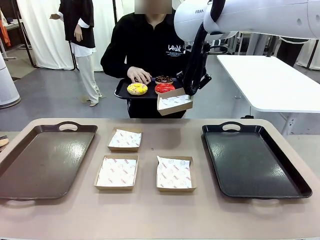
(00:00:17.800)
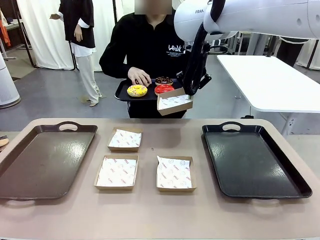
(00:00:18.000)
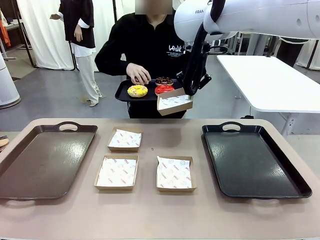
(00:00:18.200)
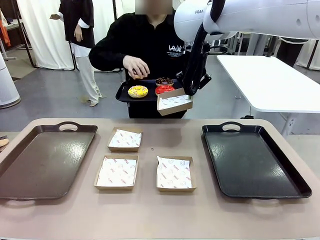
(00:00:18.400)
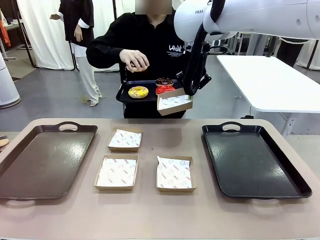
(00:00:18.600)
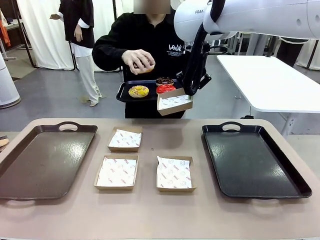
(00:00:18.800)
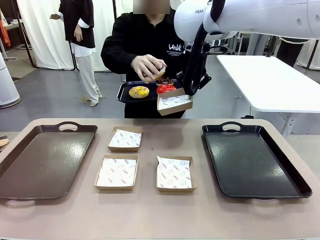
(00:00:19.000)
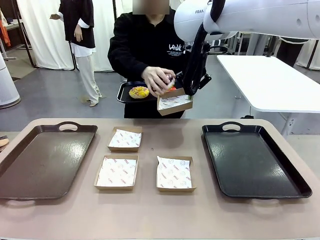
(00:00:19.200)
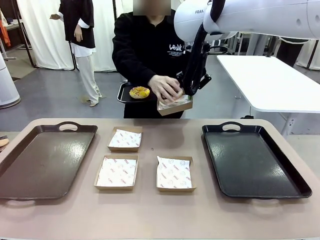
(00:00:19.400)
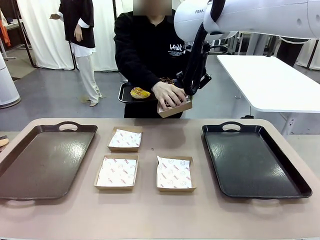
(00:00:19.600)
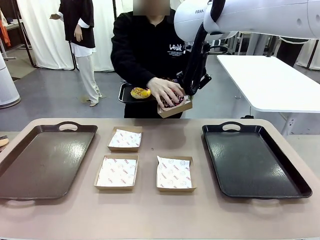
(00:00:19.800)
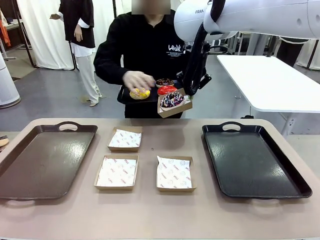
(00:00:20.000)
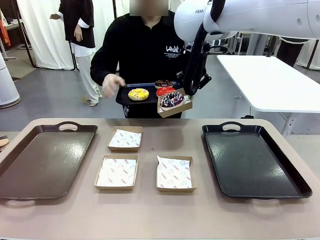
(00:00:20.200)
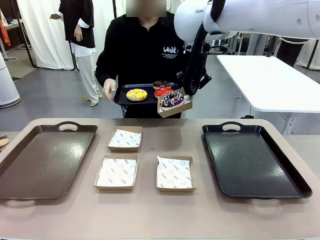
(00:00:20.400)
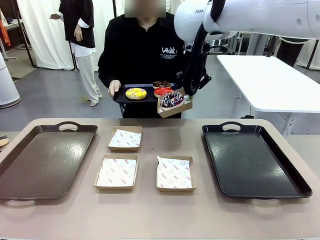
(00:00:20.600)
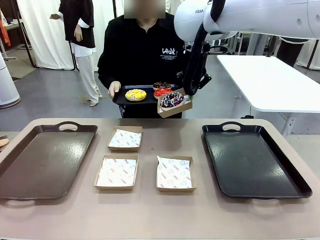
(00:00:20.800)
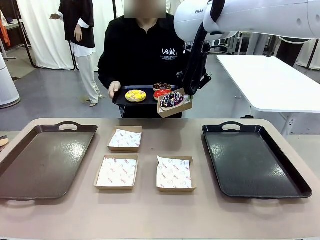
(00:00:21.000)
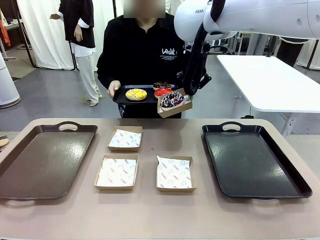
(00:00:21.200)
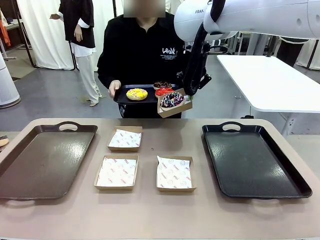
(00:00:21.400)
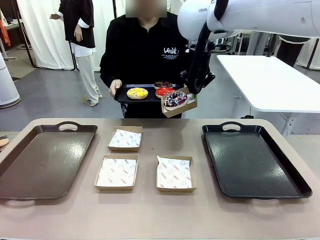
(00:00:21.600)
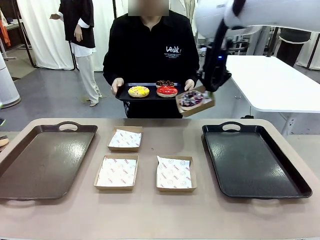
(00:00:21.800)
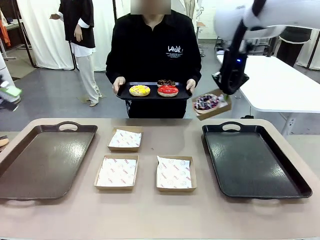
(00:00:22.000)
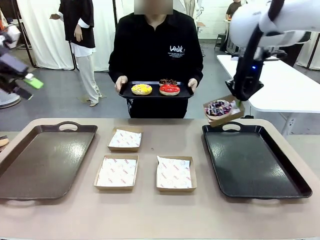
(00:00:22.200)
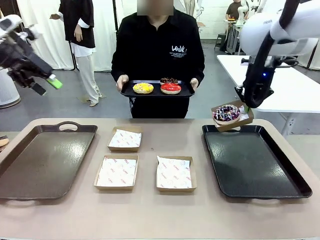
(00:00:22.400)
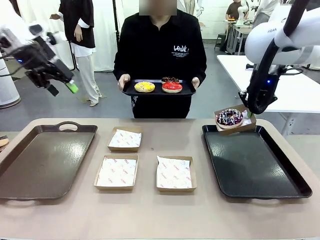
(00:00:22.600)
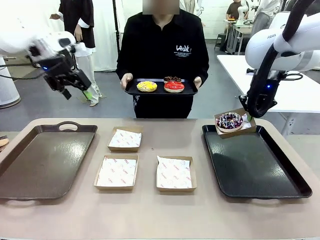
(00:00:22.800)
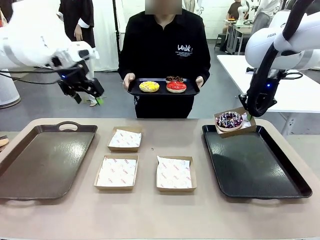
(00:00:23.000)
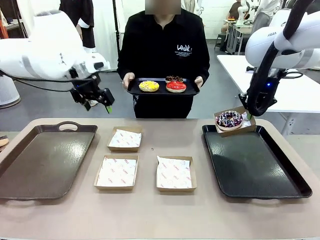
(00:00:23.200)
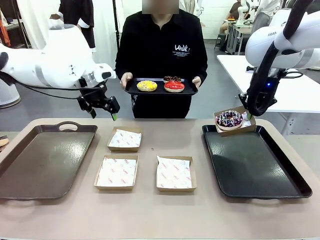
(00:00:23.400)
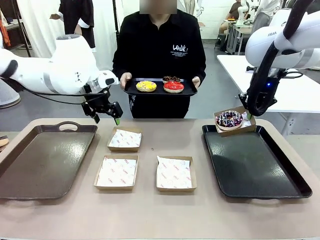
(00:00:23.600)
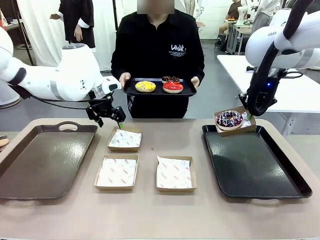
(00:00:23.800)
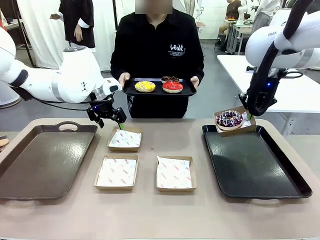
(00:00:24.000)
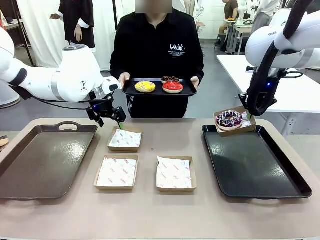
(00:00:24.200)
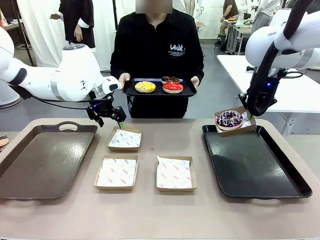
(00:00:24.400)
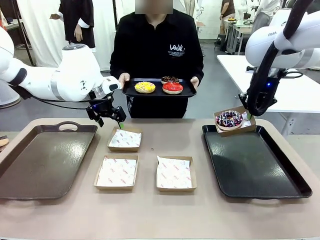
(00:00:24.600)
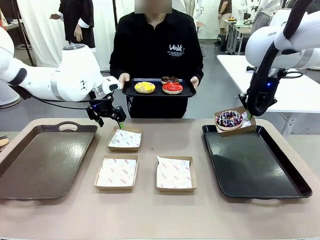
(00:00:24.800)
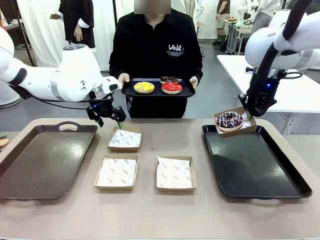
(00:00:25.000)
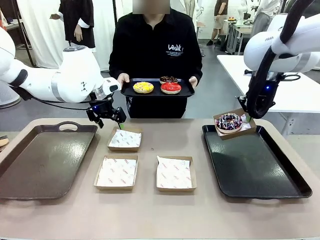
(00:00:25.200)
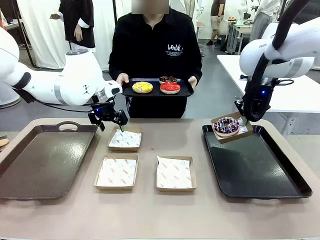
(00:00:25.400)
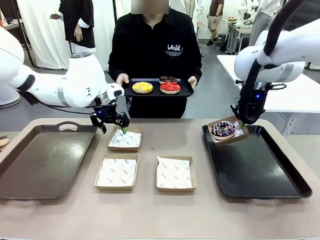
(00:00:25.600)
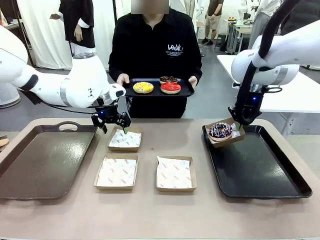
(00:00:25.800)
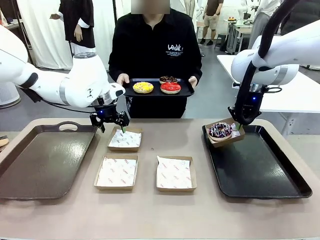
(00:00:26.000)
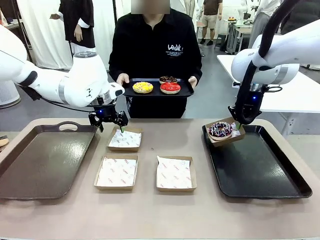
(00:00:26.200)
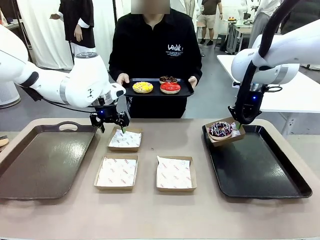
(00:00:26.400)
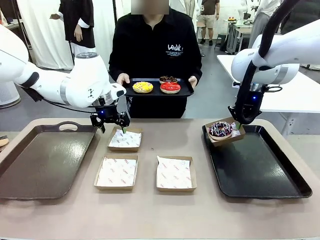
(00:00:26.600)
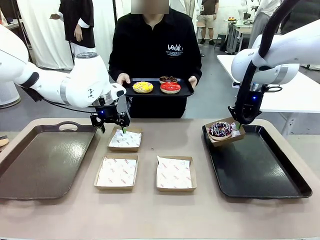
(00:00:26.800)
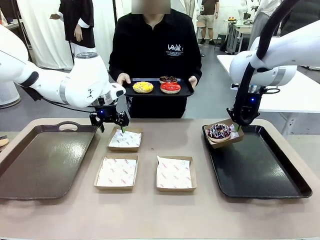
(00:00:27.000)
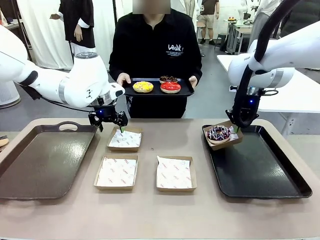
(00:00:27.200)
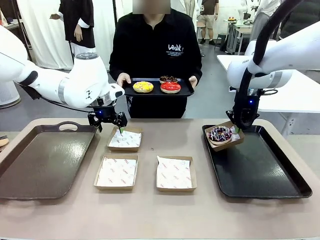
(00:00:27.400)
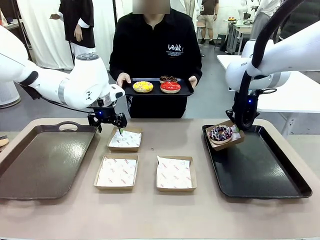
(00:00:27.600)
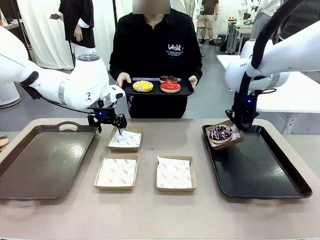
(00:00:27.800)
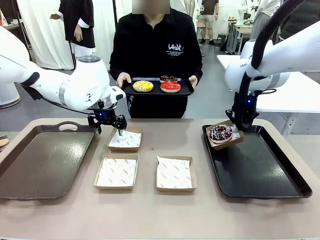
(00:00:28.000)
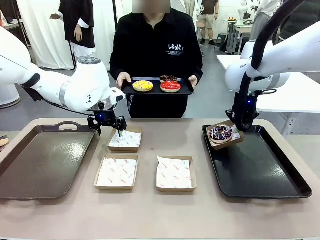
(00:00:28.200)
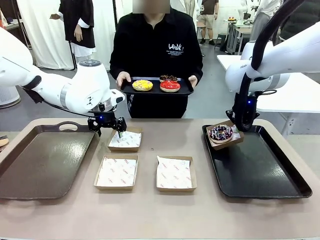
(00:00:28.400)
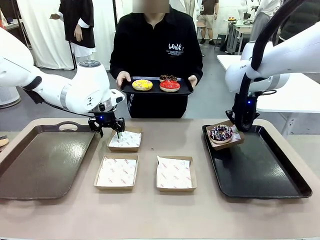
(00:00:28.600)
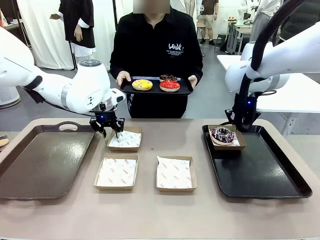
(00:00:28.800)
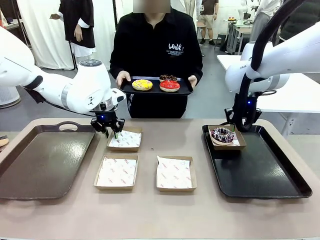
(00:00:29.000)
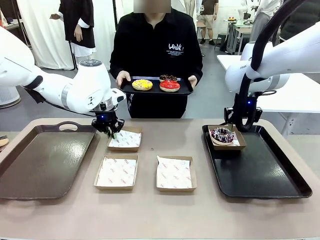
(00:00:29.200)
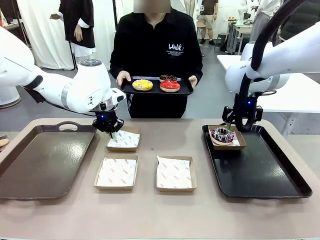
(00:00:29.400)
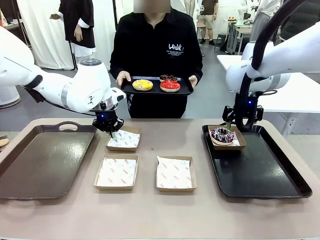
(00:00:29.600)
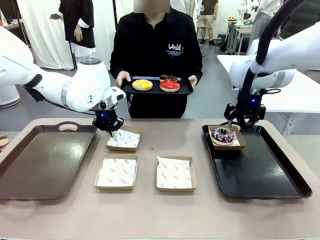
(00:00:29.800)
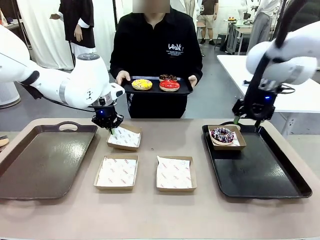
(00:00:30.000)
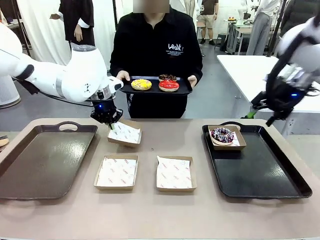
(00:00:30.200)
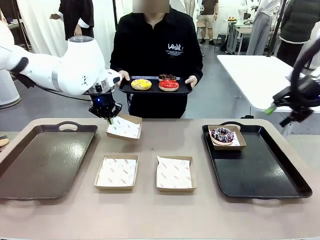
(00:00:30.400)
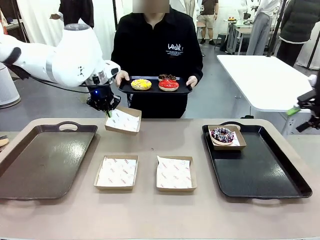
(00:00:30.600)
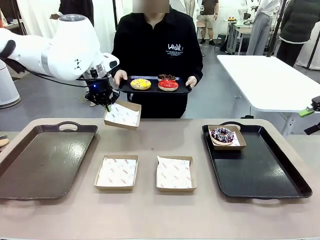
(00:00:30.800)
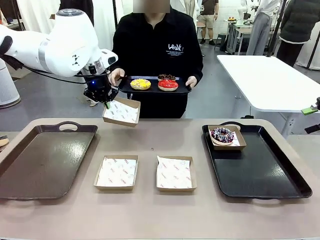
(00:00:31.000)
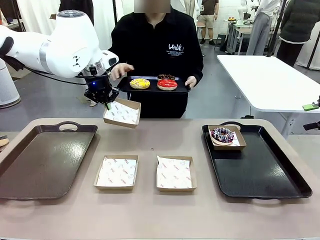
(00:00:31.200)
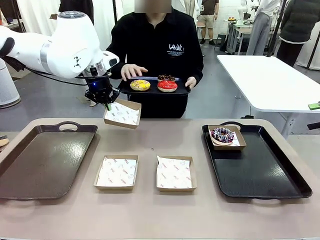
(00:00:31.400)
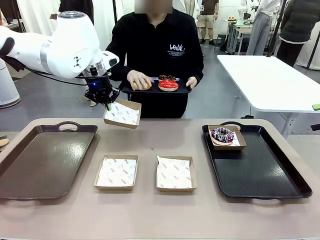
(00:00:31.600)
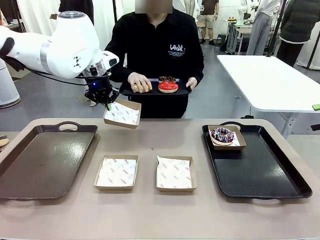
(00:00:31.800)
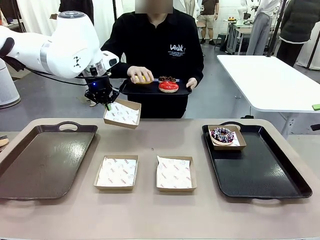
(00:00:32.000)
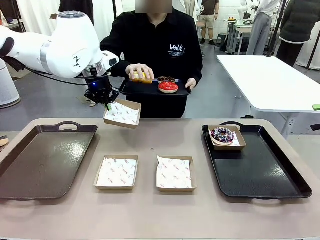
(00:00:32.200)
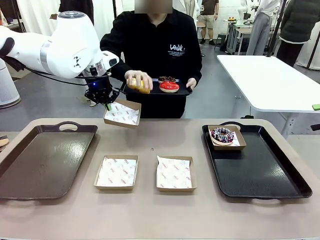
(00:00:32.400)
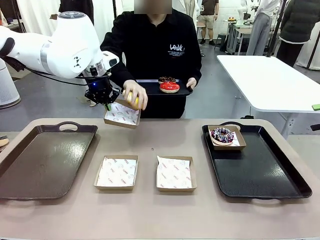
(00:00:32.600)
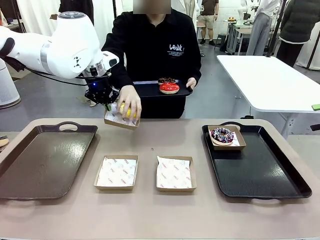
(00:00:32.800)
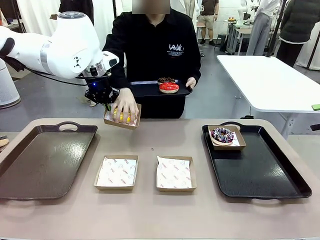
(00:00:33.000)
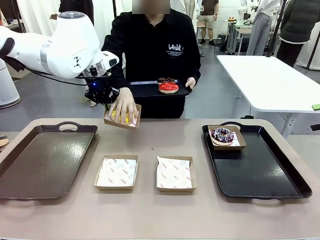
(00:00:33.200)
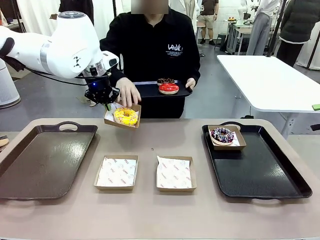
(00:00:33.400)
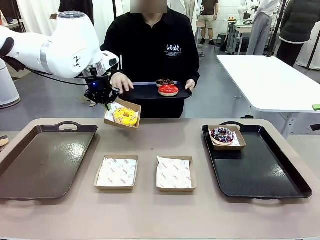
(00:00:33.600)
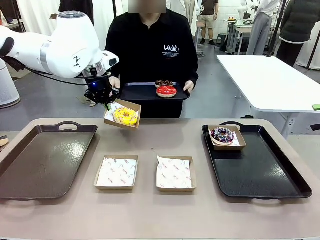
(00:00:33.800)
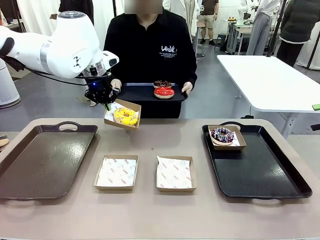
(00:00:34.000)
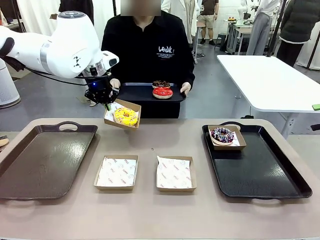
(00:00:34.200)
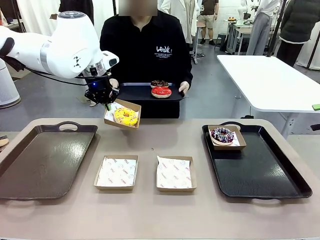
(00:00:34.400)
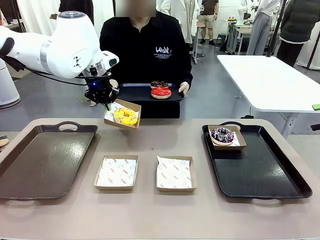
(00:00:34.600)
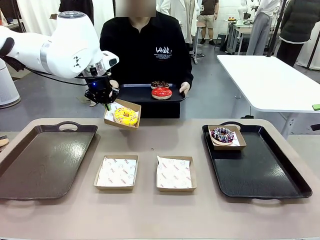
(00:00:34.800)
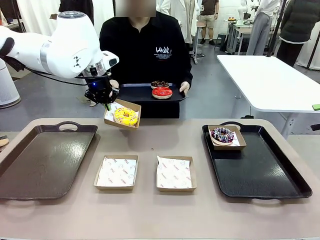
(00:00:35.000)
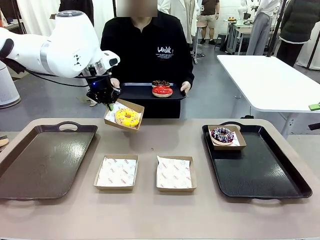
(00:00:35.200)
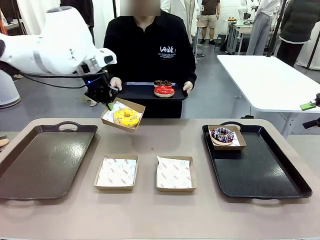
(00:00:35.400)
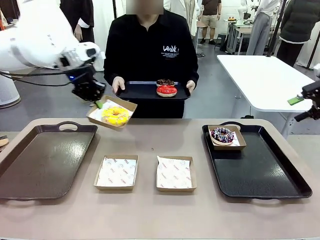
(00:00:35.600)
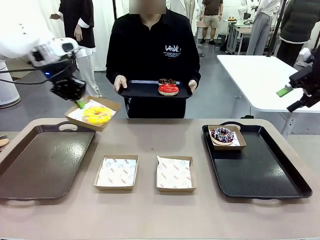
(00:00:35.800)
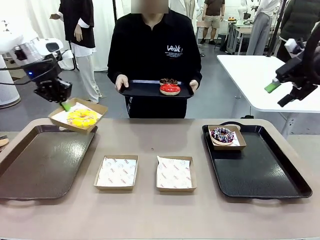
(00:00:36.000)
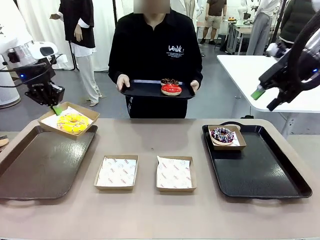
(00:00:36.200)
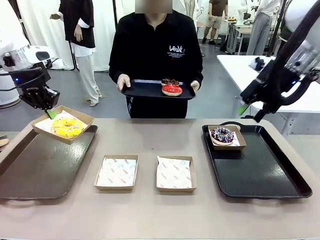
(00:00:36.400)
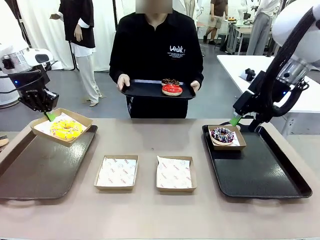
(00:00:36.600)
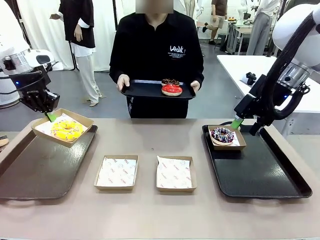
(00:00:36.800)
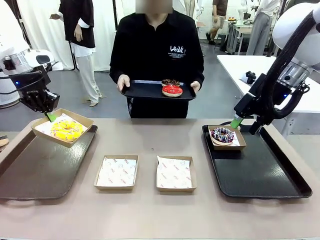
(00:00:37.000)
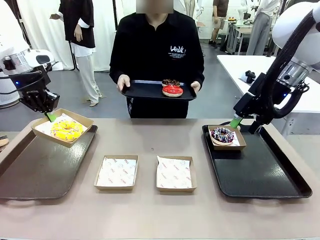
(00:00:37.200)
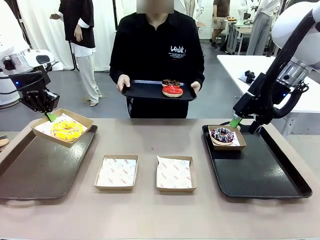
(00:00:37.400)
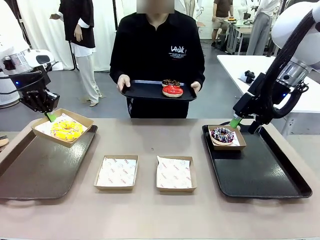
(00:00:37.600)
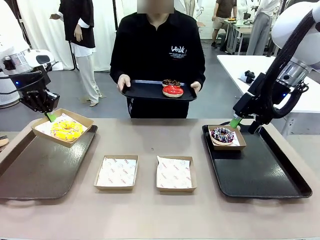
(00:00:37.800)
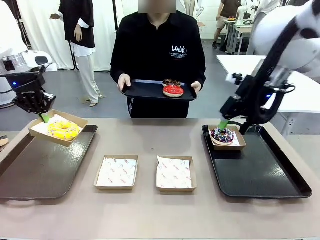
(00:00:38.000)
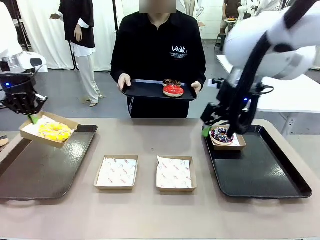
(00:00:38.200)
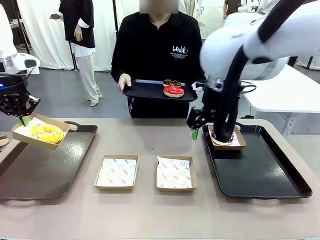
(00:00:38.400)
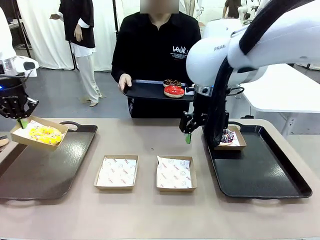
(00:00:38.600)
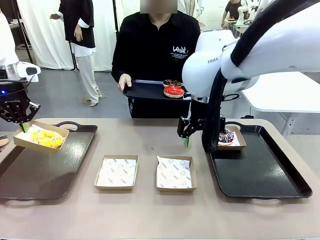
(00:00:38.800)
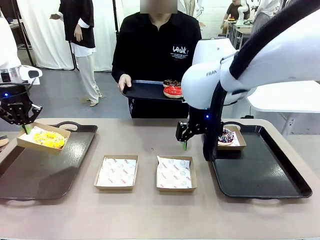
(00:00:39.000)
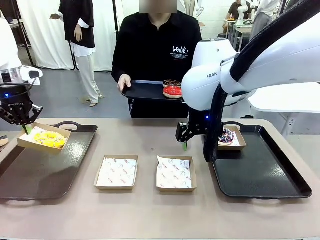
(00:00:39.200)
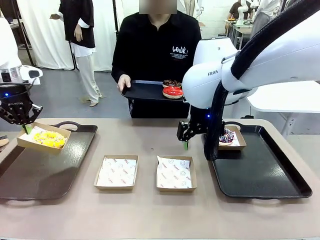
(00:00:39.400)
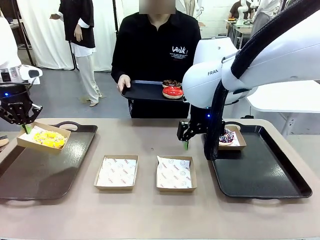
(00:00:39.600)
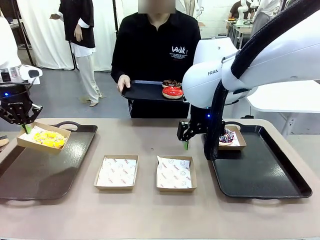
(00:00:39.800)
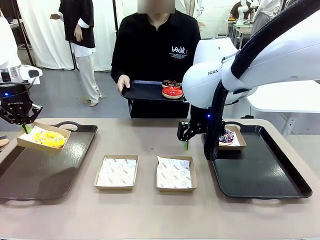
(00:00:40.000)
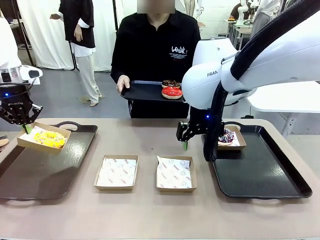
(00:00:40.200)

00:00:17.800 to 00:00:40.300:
Task: Individually package the donuts and arrange them on the tray.
Robot: Place the picked Paper togo box on the Handle tray while simultaneously picking up another Paper togo box from the table with the other hand.
